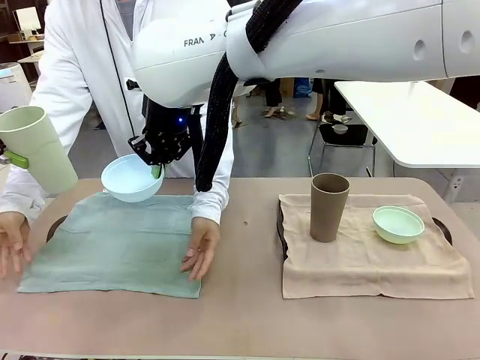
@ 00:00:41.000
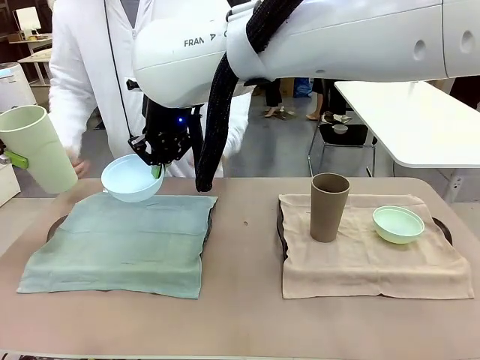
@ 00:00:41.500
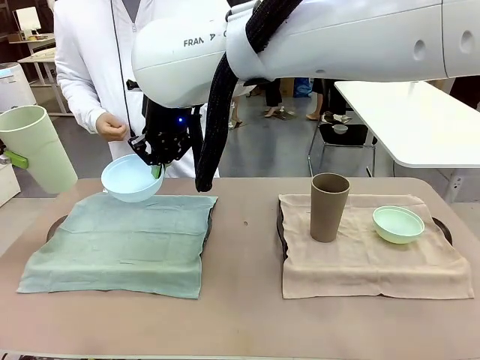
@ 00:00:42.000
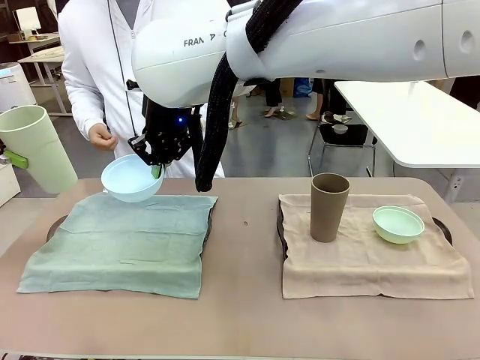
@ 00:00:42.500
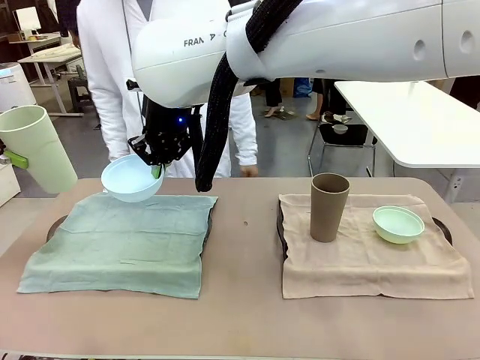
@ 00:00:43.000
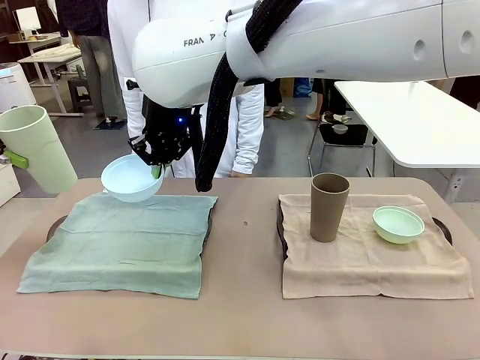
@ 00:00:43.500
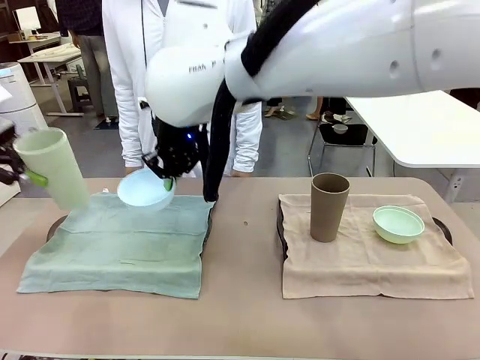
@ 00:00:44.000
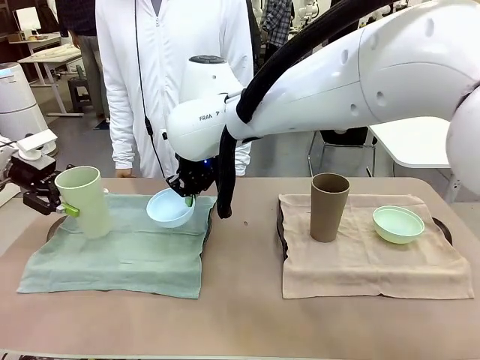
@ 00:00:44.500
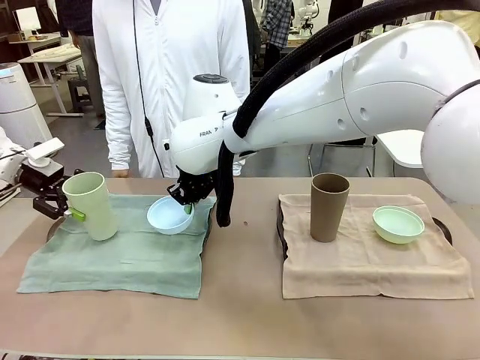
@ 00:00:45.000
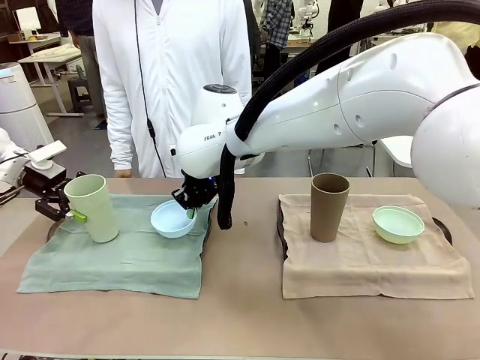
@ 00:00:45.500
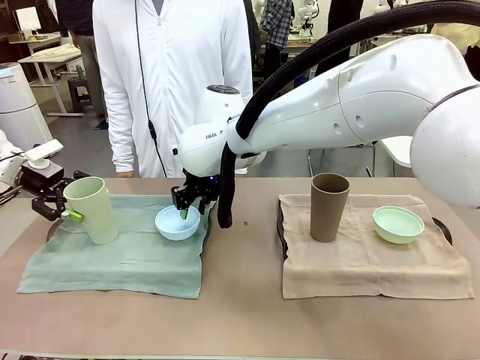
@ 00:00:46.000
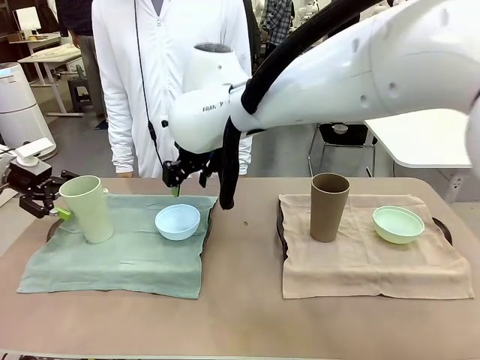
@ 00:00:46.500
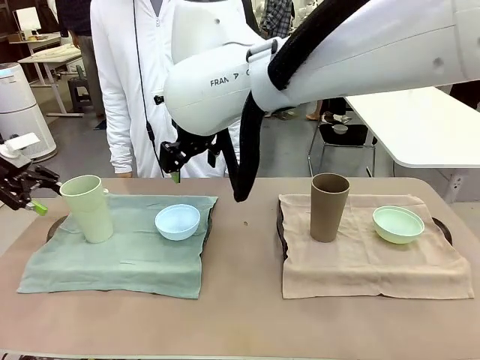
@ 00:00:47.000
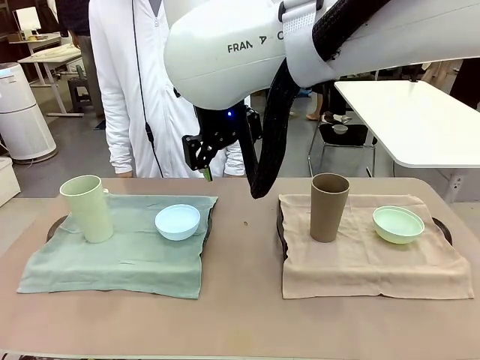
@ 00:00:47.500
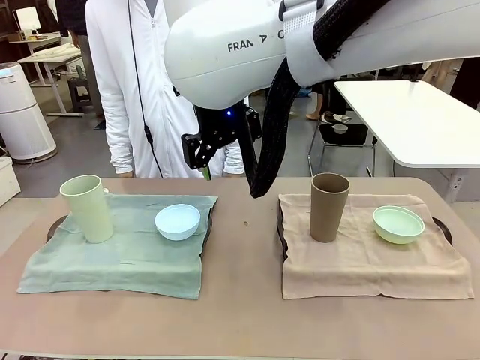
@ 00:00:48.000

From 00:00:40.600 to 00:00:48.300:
Robot: Place the Picnic Bowl and Reusable plastic cup back onto the Handle tray in front of the human's position.

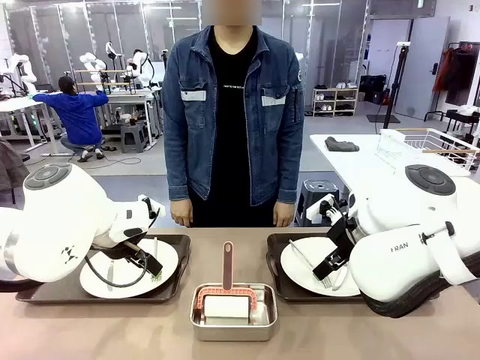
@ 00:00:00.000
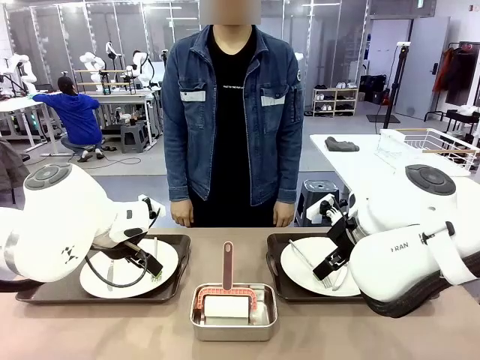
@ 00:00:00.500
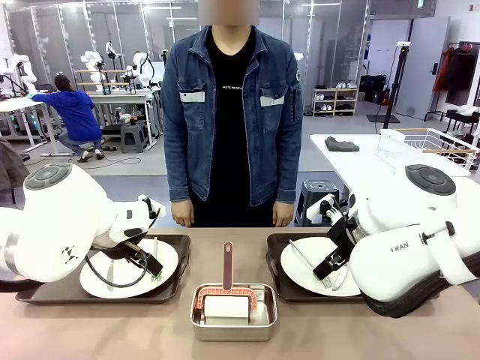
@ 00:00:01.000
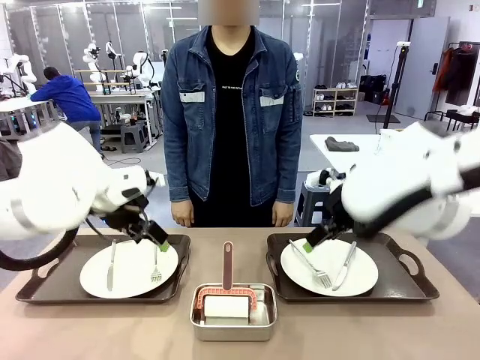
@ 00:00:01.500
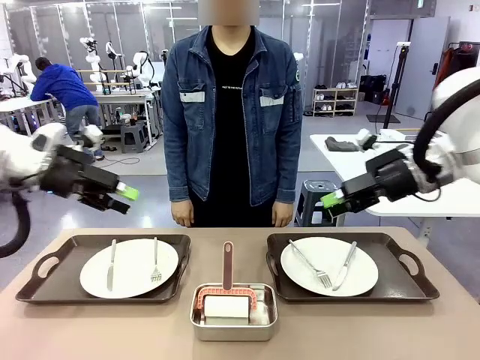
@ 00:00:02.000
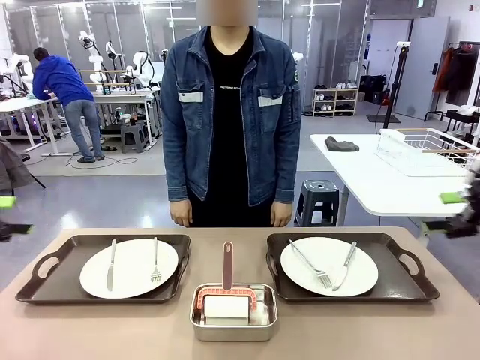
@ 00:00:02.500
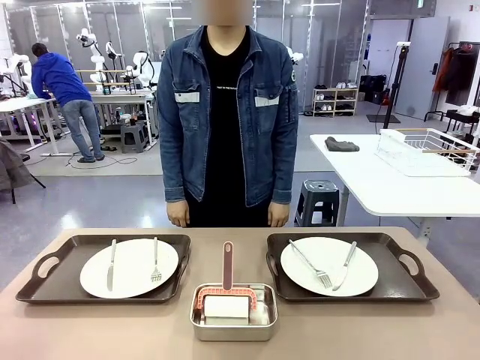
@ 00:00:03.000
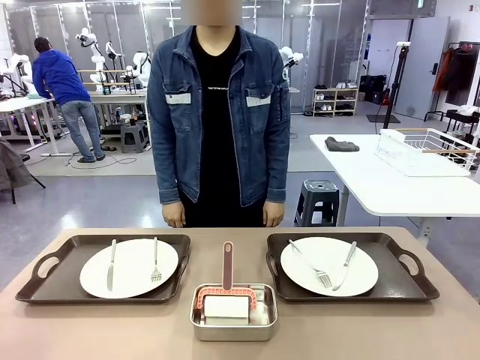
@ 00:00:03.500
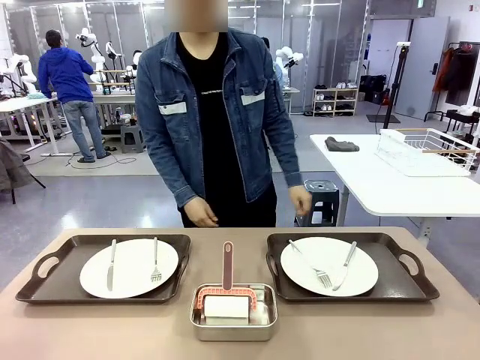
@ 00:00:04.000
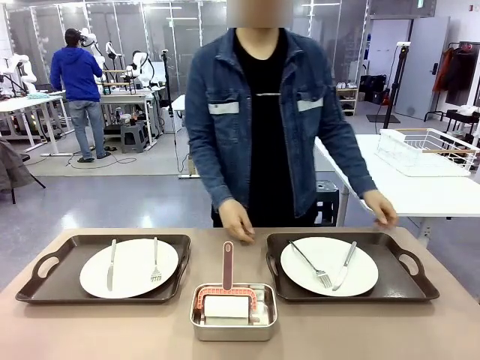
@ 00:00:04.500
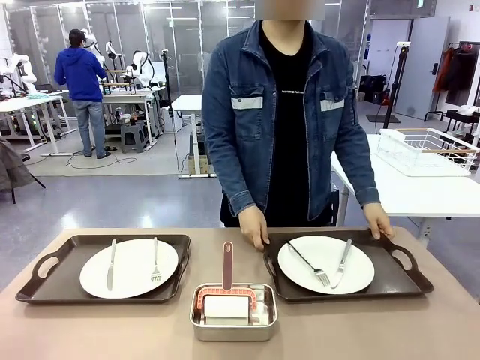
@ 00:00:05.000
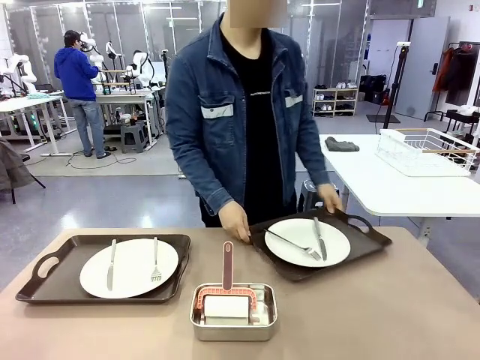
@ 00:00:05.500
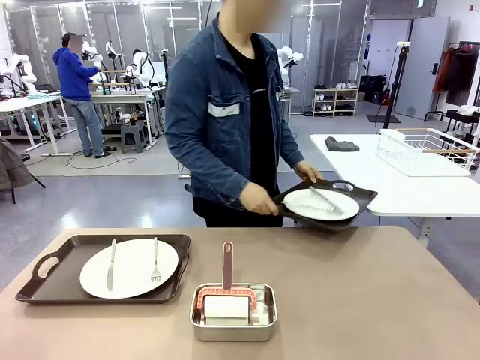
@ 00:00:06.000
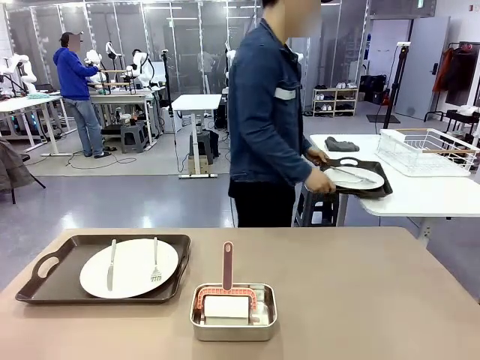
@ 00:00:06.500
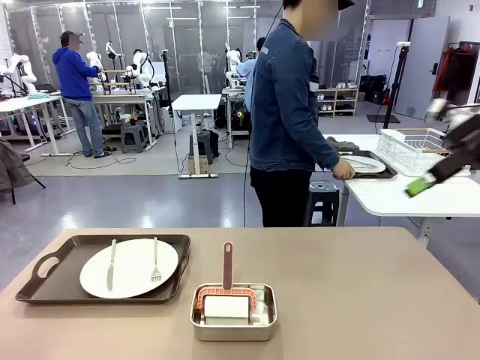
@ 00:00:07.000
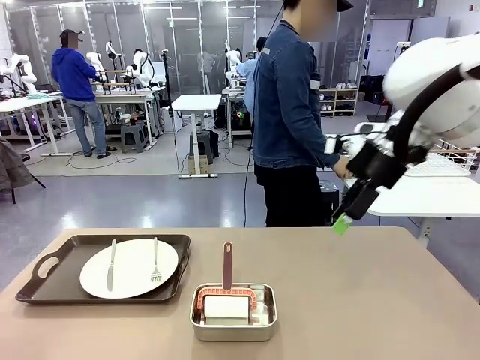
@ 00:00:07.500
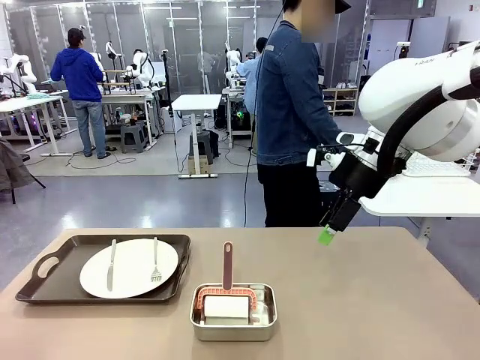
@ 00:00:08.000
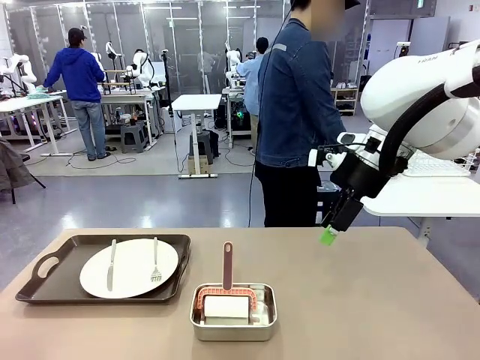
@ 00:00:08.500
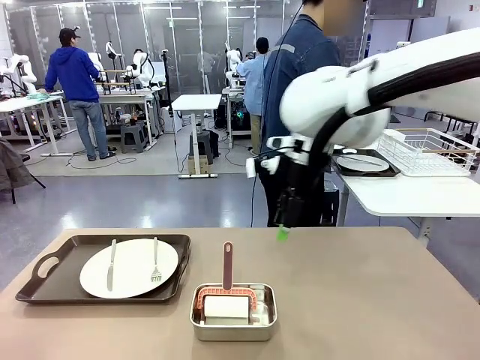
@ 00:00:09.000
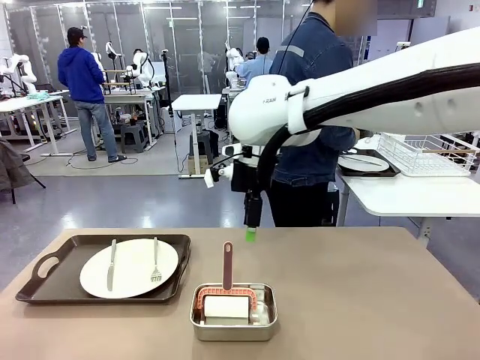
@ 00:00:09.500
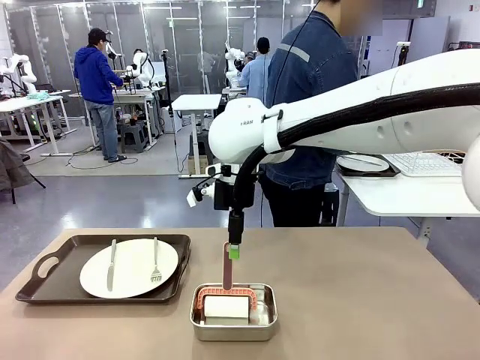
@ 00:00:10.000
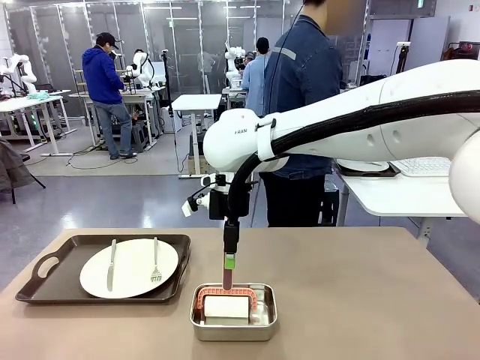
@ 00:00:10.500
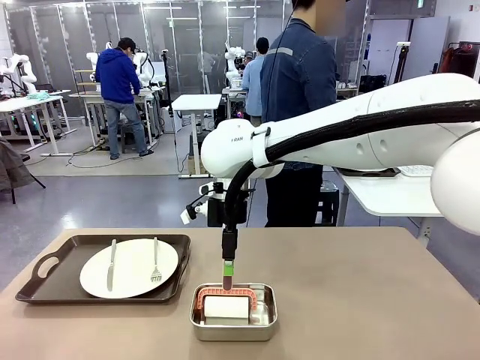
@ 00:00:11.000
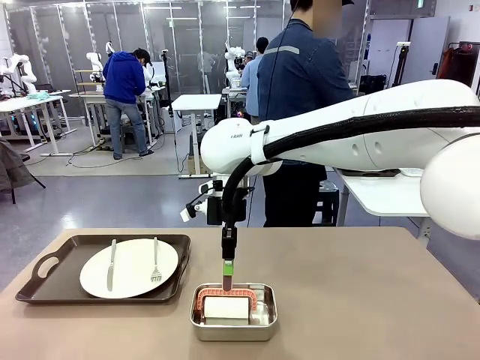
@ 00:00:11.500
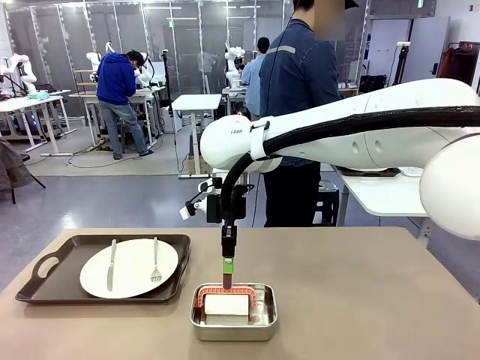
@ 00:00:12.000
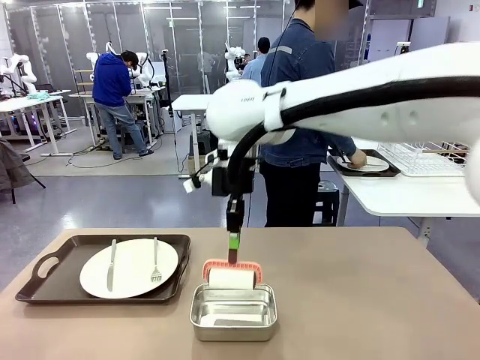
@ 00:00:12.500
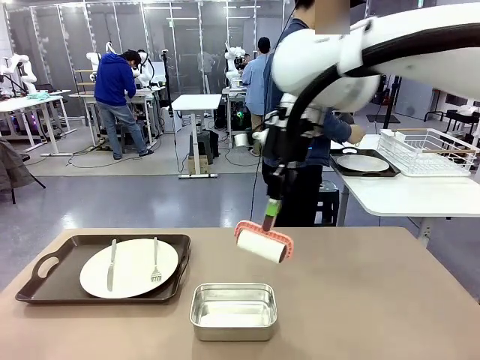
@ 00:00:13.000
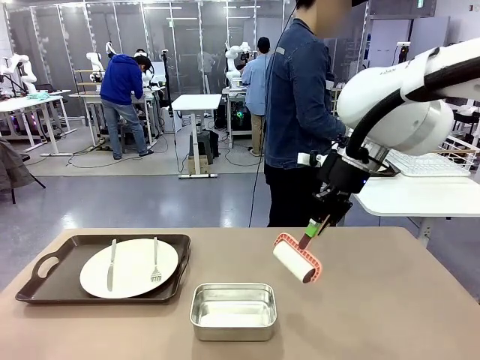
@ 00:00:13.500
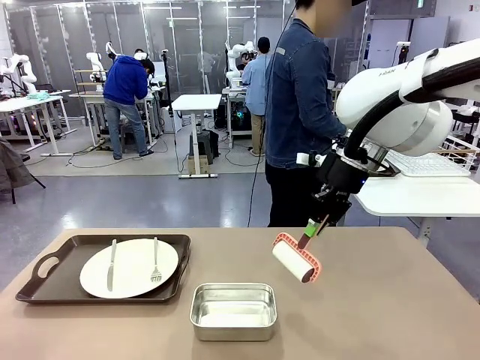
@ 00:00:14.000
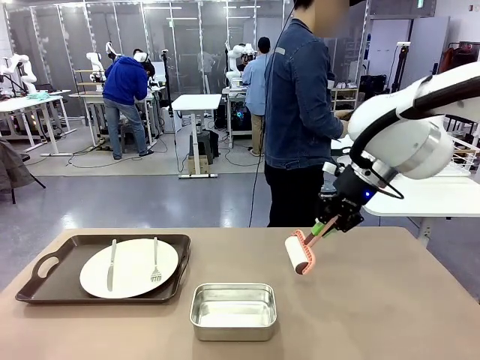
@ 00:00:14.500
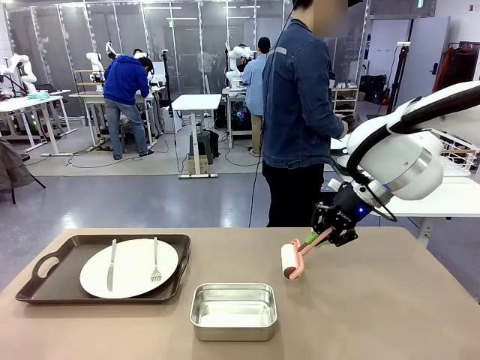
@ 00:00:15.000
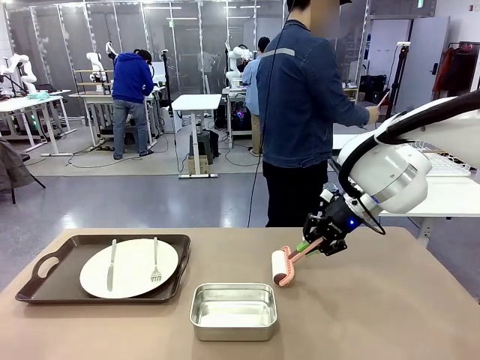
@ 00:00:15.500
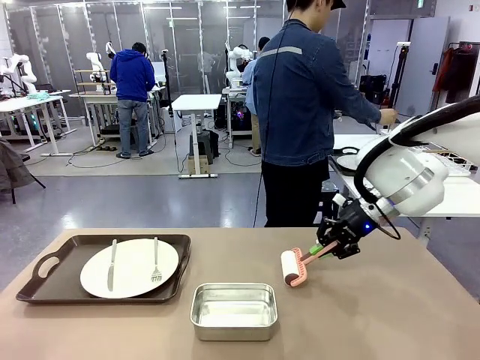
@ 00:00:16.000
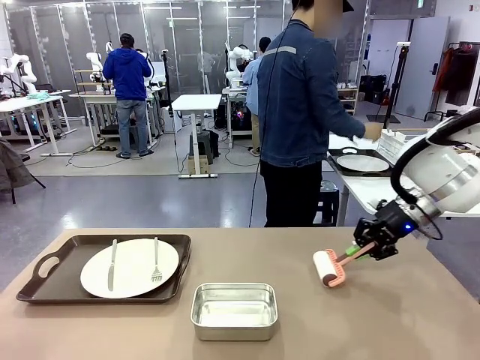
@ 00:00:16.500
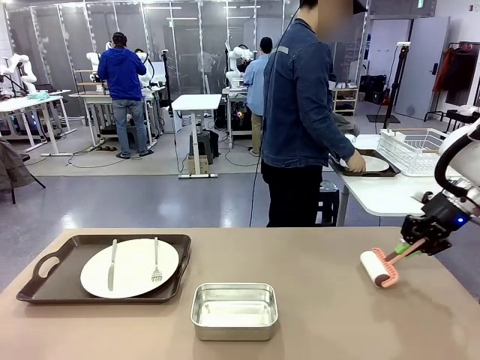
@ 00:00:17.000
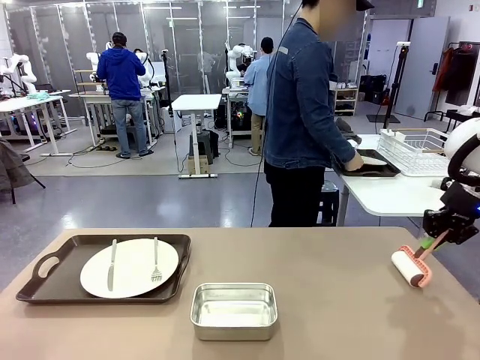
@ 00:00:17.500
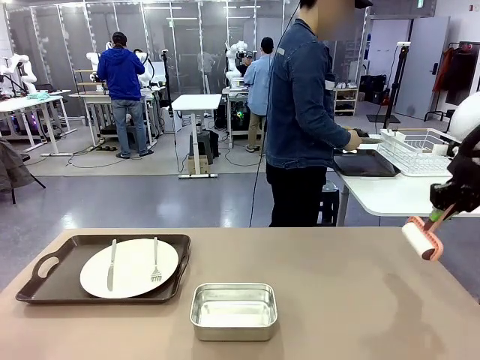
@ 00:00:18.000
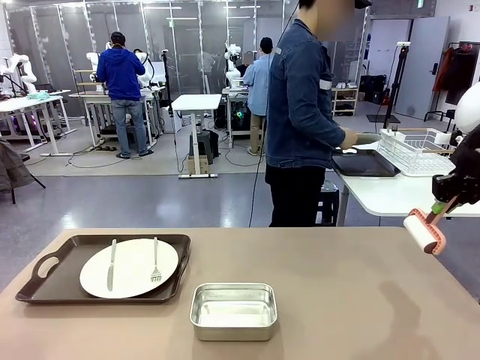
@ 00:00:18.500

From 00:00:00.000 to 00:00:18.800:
Robot: When the left (or right) Handle tray is removed, use the left hand (or right hand) to clean the left (or right) side of the table with the Lint Roller.
Person: Pick up the left (or right) Handle tray and place it on the middle of the Human's table. Use the Towel with hook to wipe the Plastic Matte Plate , Fork , and Knife and place into the Dish drying rack.
